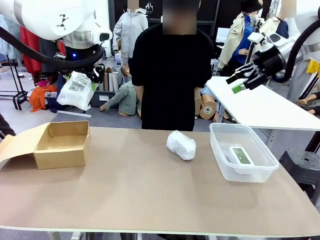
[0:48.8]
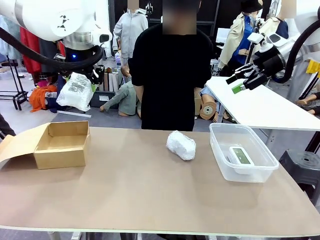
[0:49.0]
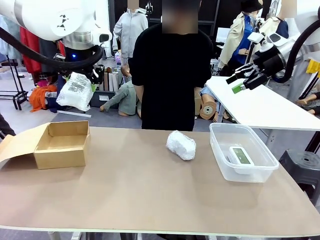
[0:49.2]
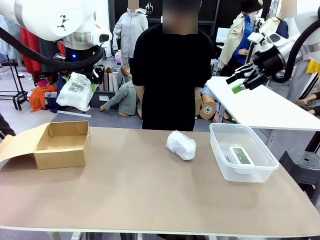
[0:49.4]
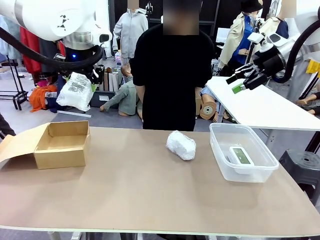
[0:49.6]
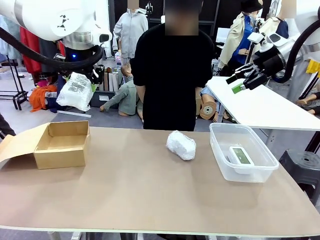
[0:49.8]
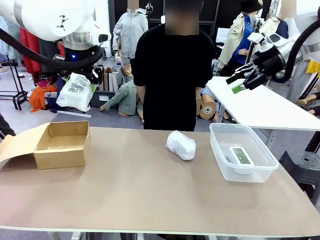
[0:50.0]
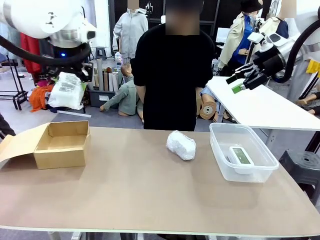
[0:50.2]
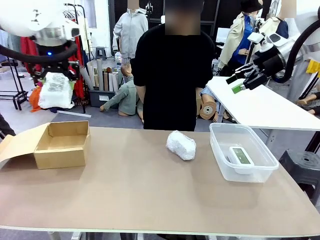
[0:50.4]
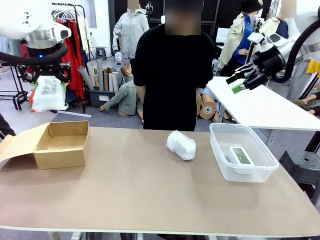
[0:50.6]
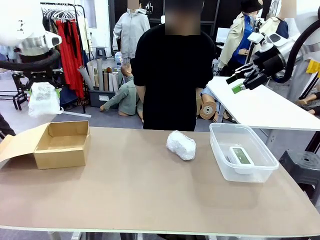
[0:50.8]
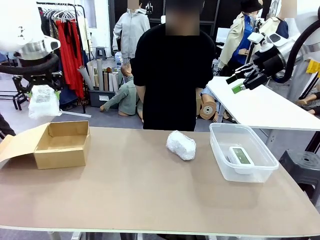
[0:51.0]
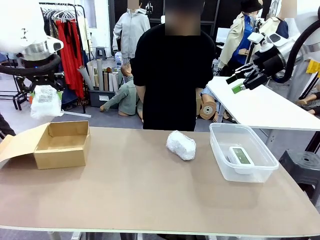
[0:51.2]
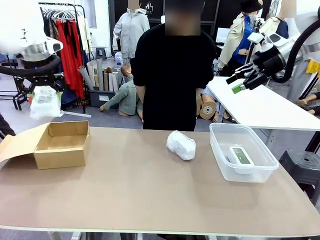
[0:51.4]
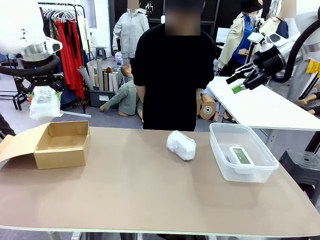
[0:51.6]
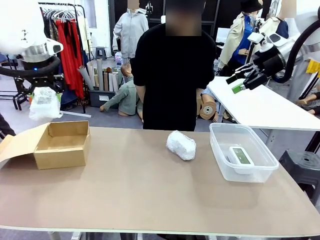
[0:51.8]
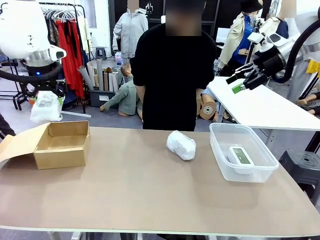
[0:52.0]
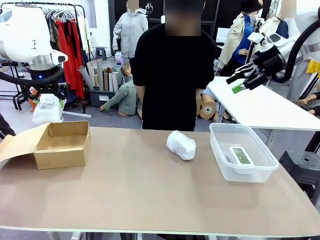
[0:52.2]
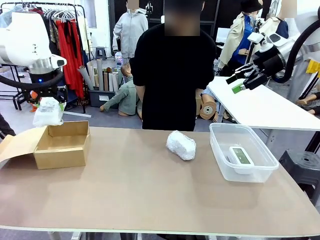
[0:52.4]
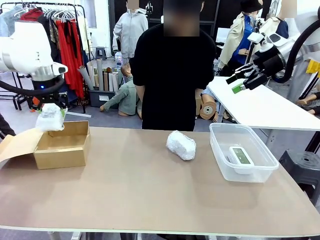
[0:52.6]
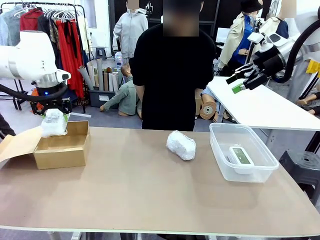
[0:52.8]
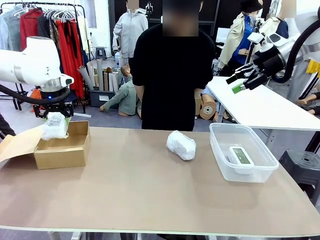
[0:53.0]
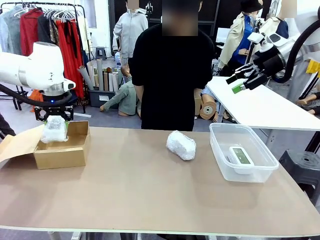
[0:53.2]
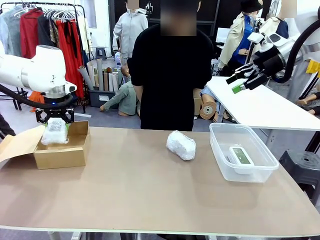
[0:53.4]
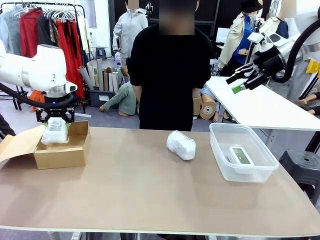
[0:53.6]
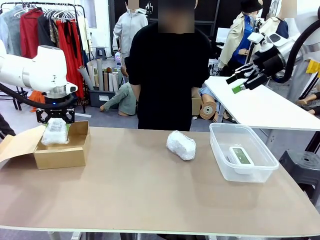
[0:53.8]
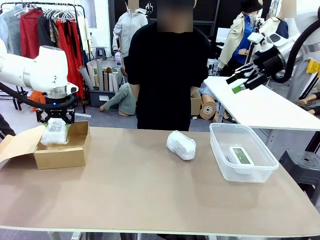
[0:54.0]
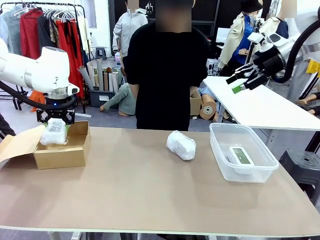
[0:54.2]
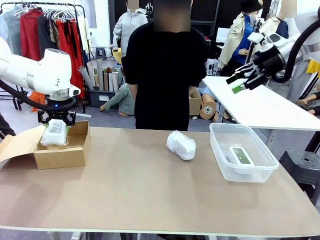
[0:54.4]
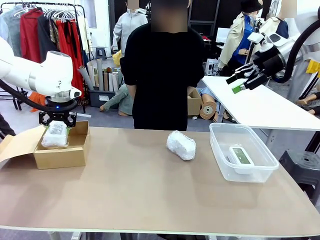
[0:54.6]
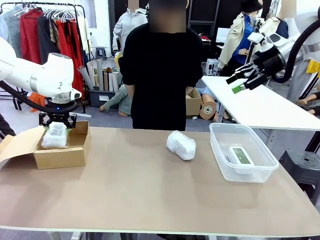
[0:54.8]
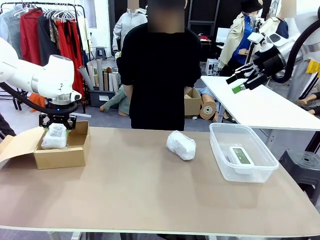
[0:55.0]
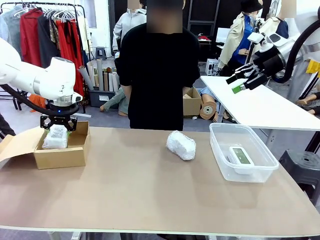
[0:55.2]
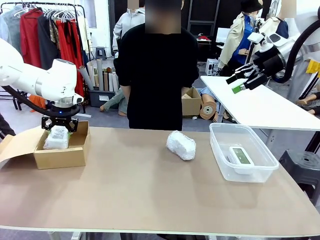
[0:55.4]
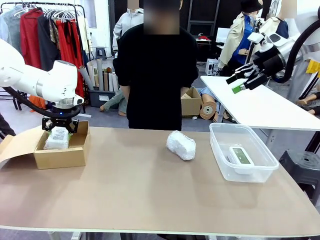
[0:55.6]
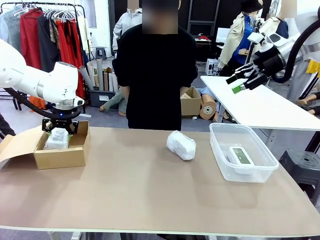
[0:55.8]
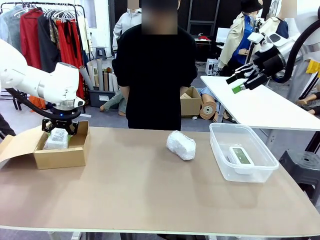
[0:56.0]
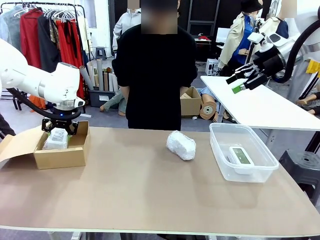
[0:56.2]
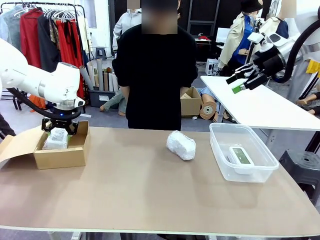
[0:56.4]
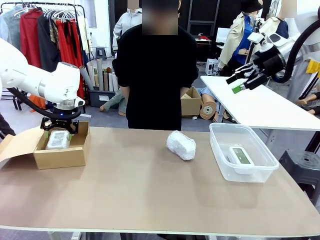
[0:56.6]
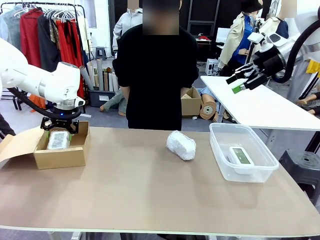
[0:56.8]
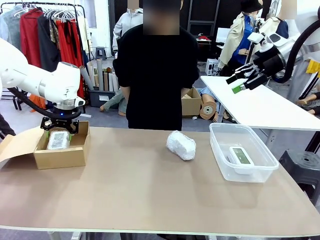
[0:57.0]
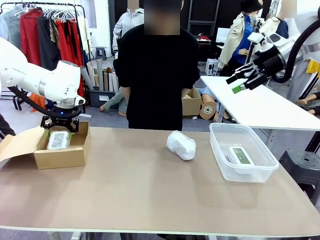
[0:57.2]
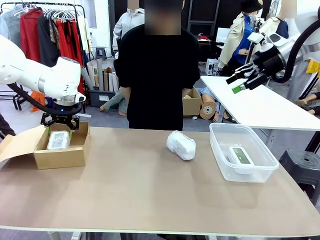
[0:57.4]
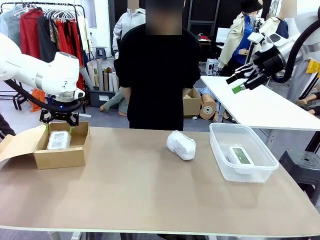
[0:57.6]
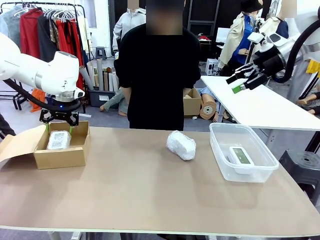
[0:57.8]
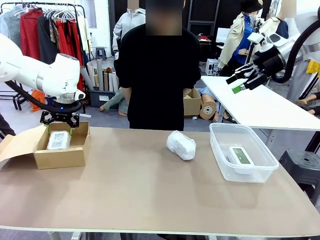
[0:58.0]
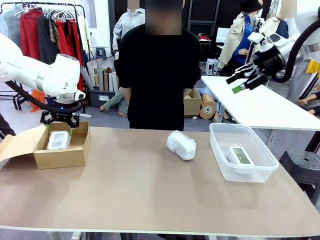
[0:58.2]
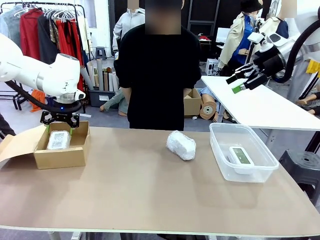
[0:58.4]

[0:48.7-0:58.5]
Task: Separate and place wrapped and unwrapped clocks.
Robot: If the picked Digital clock is wrapped, place it in the Package Box ; if not, place it in the Organizing box.

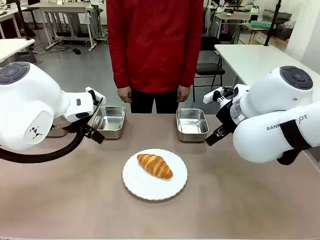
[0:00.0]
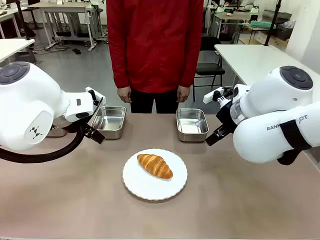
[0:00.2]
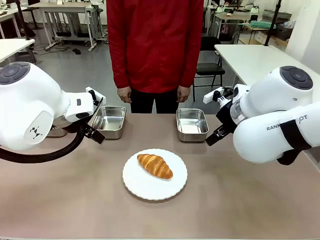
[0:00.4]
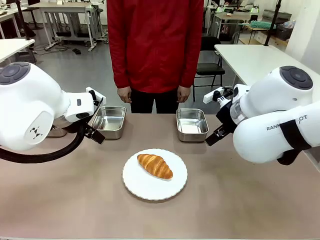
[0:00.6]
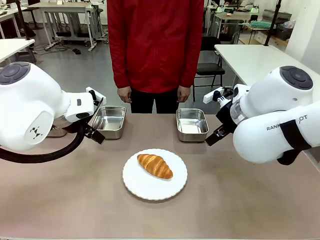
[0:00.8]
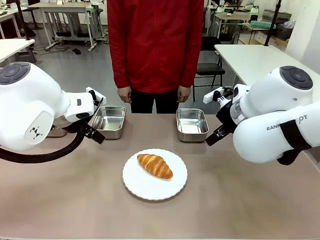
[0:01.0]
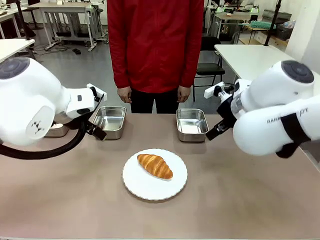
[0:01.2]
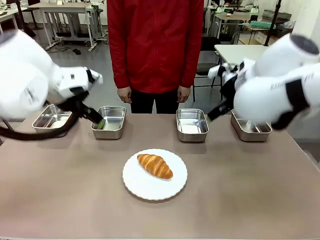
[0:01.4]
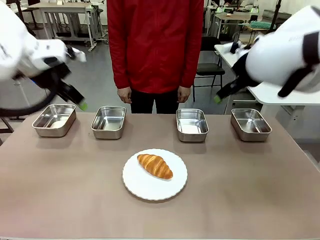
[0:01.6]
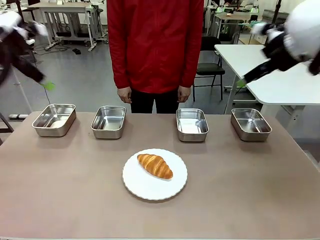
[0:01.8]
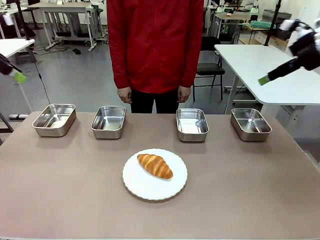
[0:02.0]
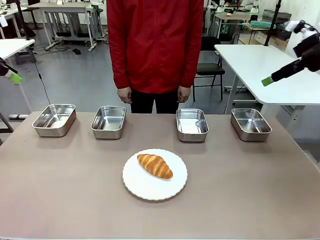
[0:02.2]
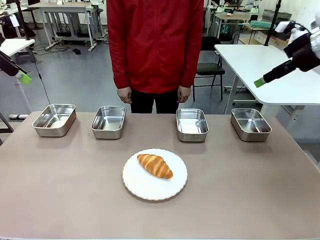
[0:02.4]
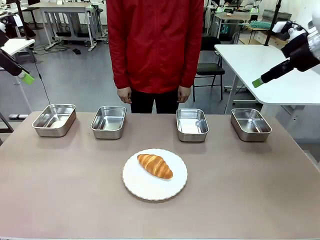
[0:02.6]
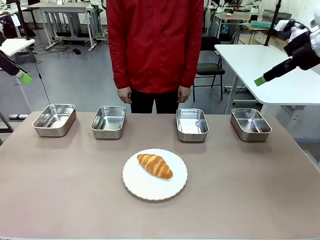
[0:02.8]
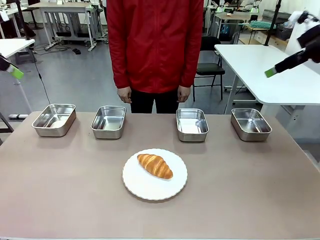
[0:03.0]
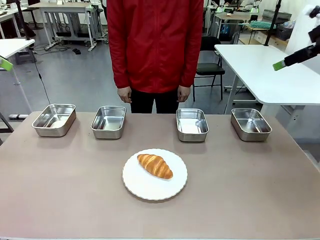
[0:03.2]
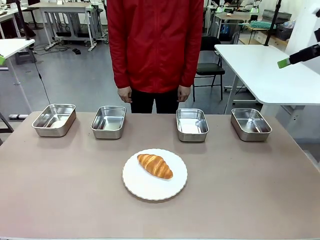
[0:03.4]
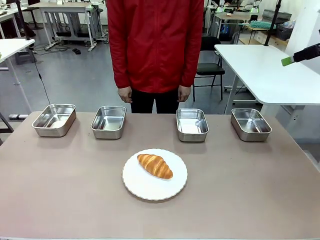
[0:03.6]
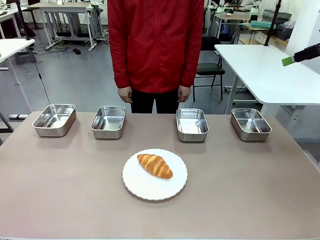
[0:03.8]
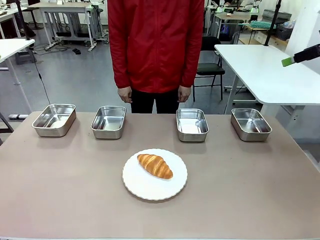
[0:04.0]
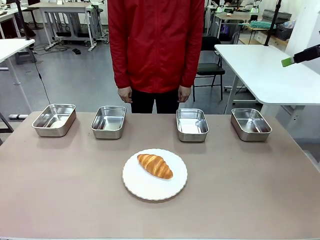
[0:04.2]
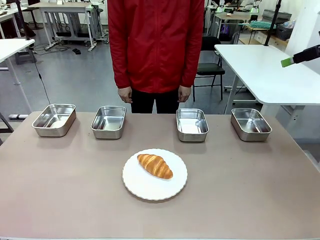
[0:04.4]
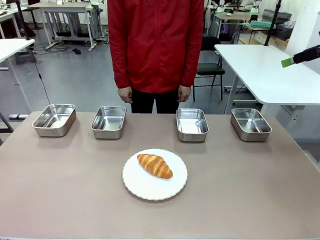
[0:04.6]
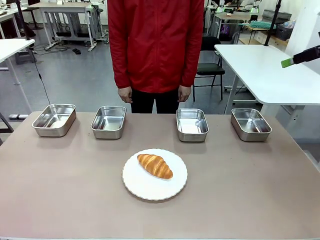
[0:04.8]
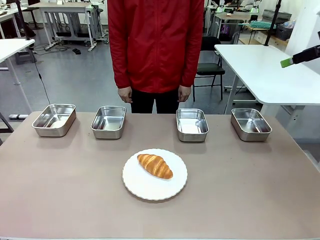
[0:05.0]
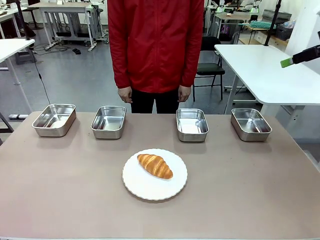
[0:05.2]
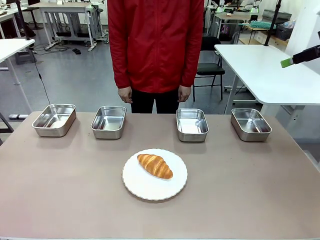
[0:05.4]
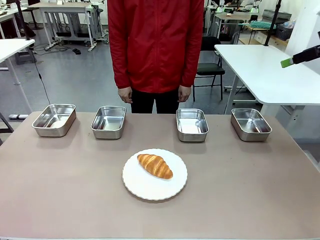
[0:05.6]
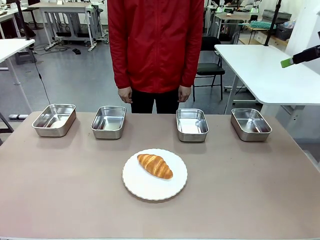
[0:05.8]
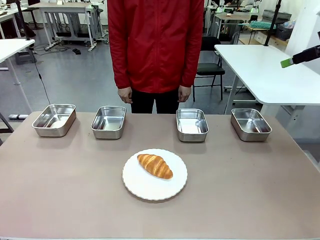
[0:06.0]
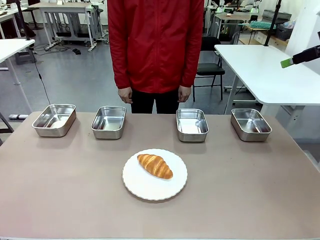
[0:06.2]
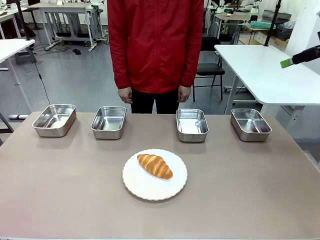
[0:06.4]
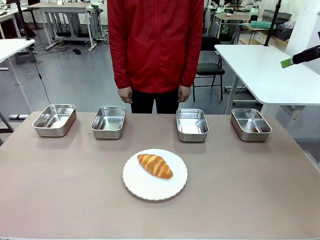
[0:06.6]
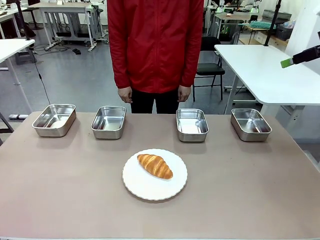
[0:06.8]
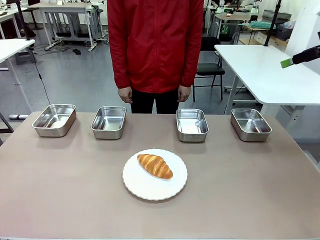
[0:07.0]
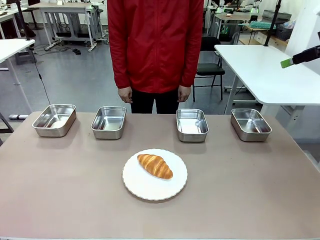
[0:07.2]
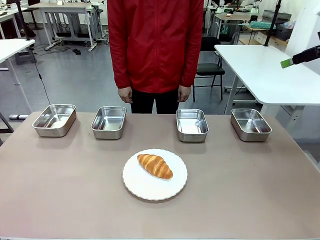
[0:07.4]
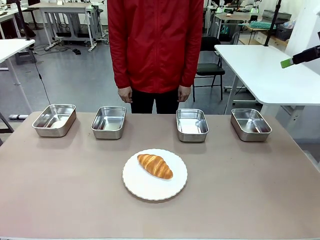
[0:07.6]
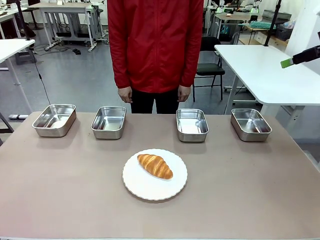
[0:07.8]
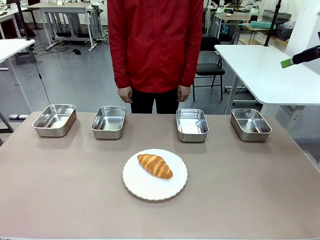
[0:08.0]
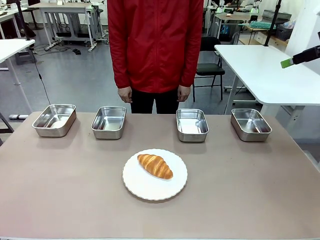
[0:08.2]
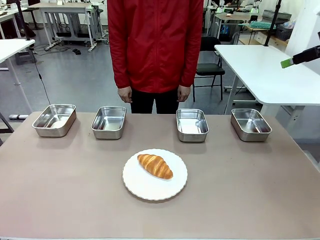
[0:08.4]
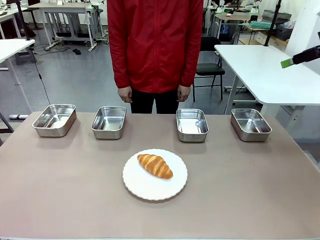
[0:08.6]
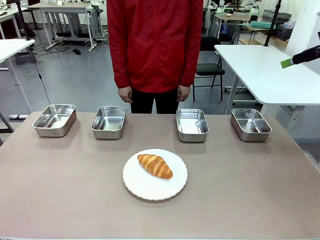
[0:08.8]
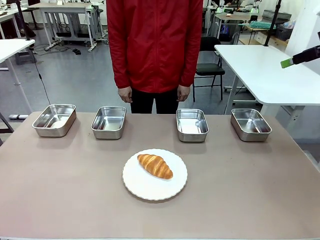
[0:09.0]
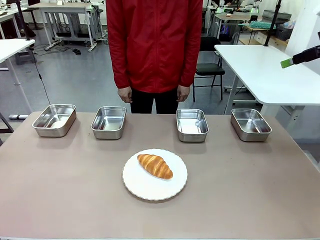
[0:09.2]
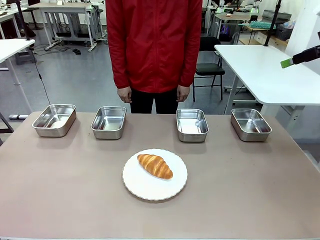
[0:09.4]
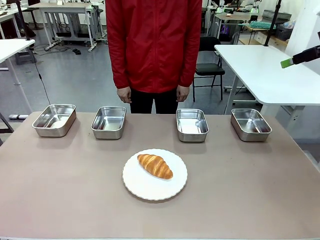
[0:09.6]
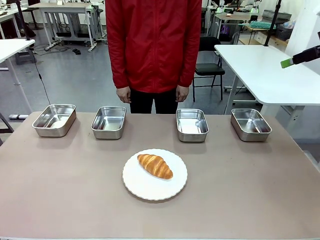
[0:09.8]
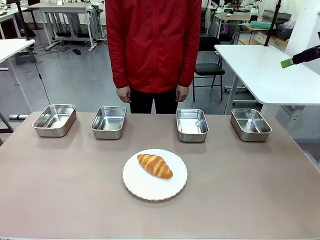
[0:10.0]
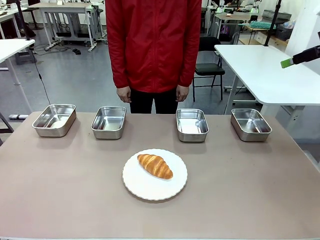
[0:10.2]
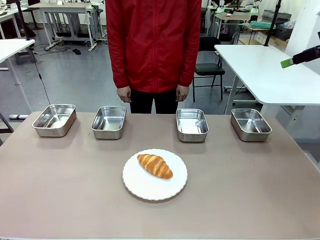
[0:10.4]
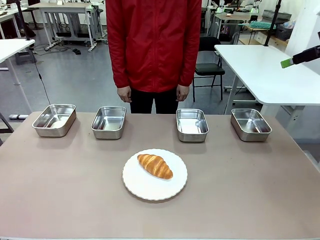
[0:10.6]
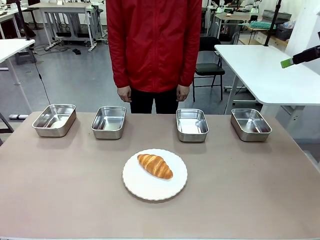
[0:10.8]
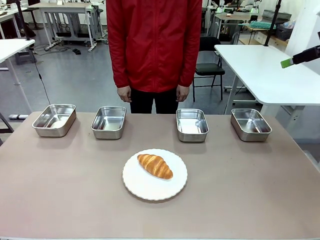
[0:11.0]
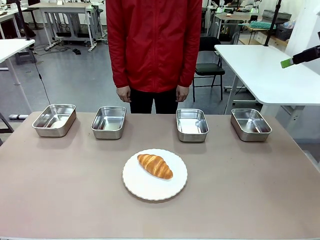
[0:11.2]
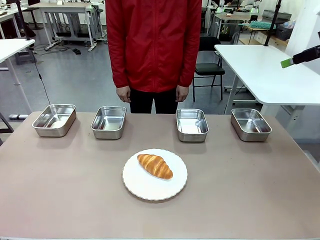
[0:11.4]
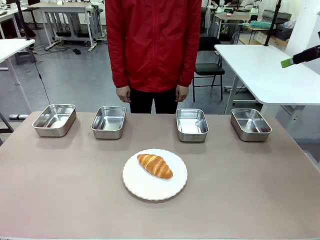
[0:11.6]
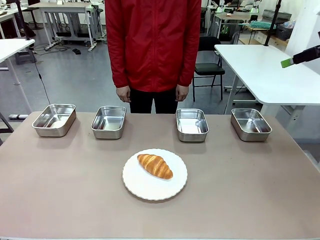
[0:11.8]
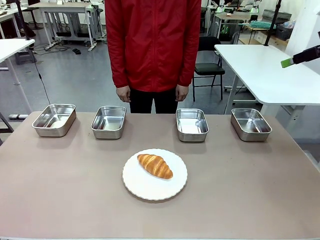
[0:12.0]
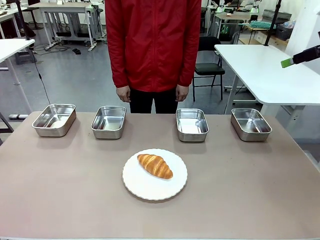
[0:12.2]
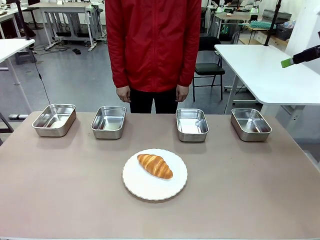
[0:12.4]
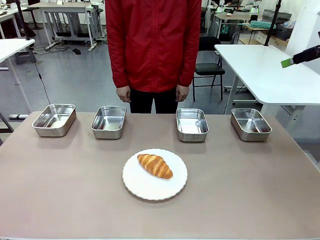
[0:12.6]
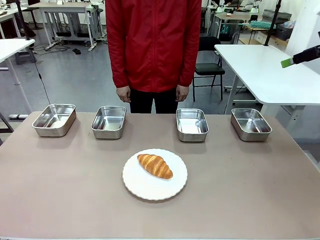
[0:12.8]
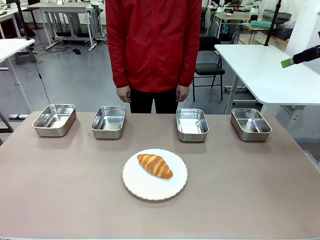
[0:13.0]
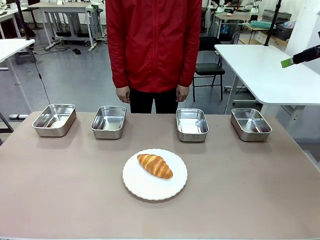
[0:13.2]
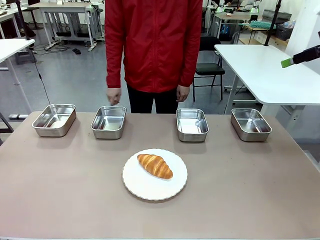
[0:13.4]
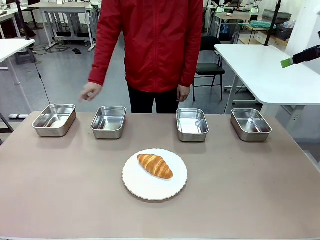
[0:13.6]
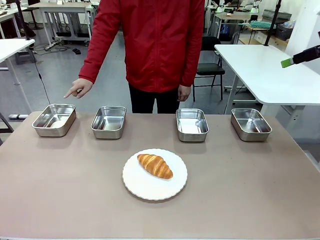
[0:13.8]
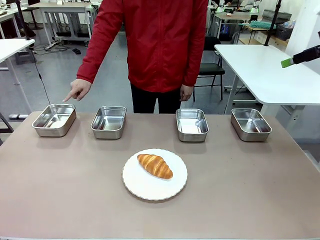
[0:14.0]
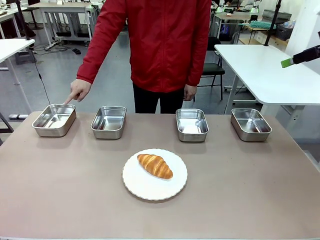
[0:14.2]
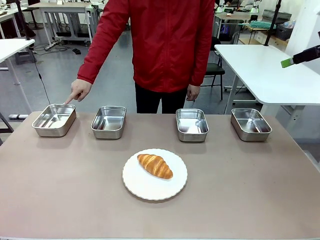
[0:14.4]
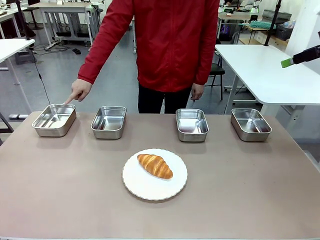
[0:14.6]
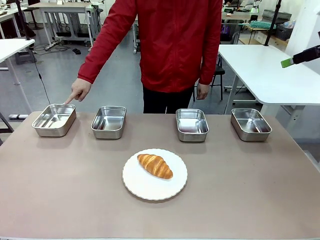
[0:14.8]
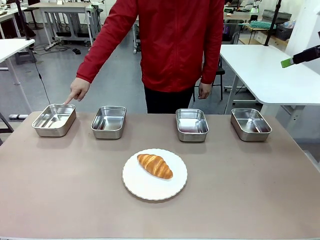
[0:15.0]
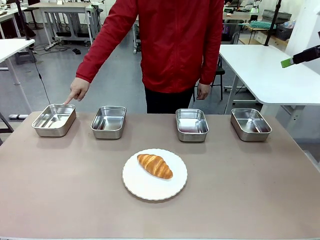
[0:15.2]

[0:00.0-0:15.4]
Task: Place the bread in the container.
Robot: Place the Butter Roll into the Airtight Container indicated by the human.
